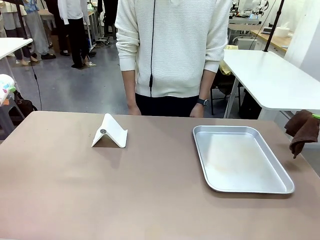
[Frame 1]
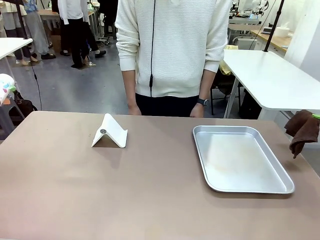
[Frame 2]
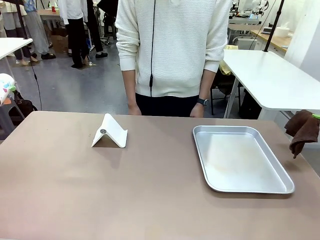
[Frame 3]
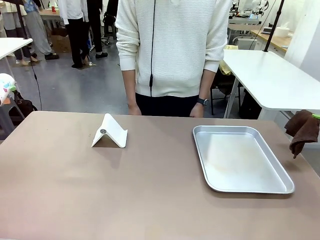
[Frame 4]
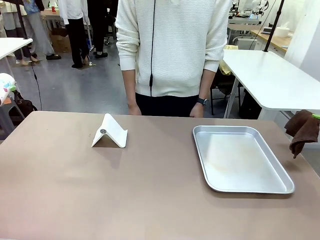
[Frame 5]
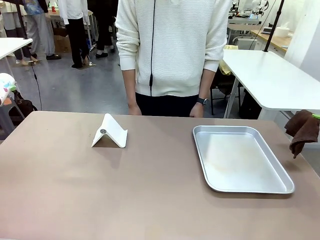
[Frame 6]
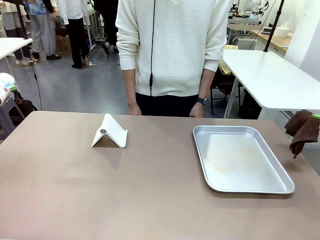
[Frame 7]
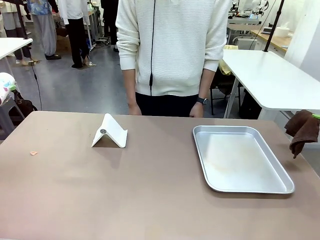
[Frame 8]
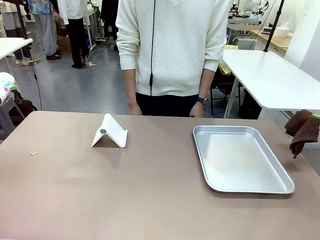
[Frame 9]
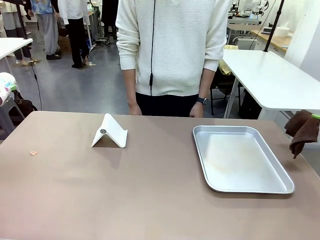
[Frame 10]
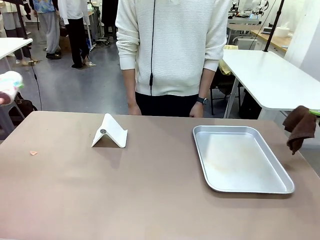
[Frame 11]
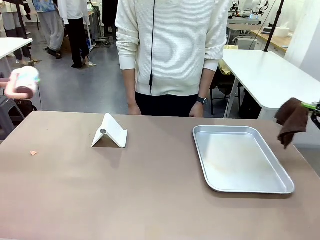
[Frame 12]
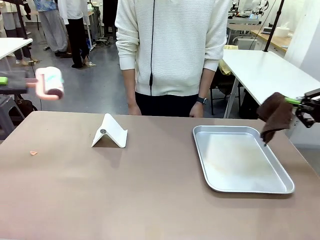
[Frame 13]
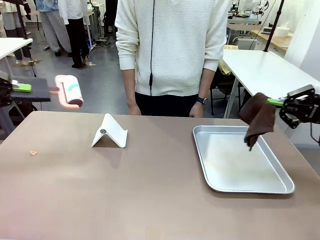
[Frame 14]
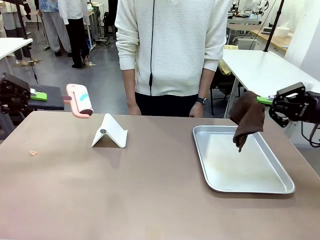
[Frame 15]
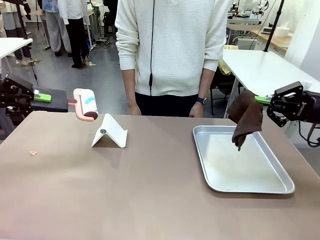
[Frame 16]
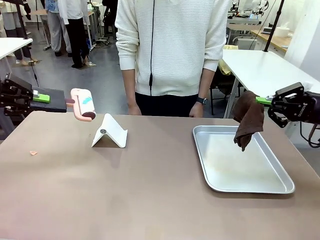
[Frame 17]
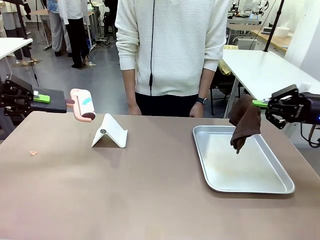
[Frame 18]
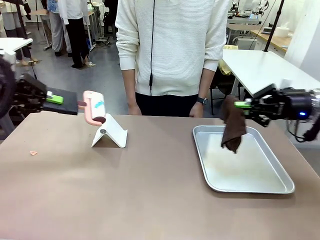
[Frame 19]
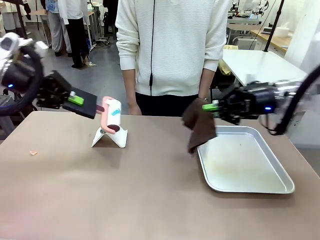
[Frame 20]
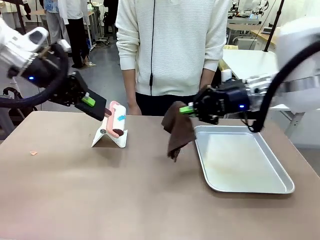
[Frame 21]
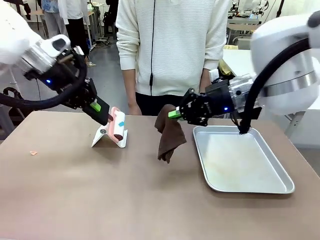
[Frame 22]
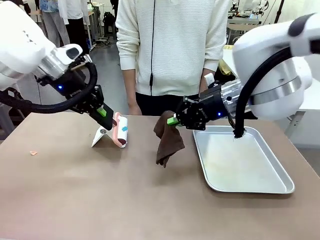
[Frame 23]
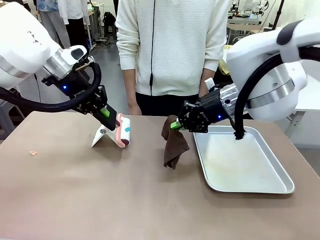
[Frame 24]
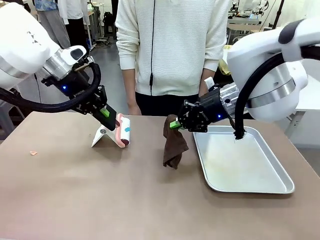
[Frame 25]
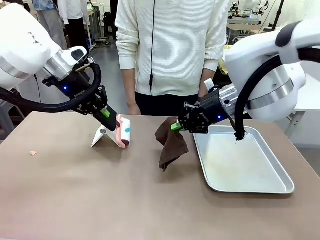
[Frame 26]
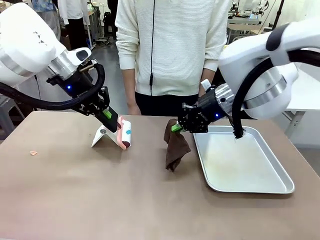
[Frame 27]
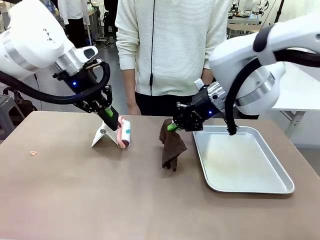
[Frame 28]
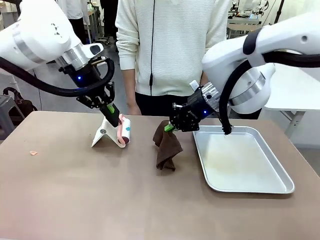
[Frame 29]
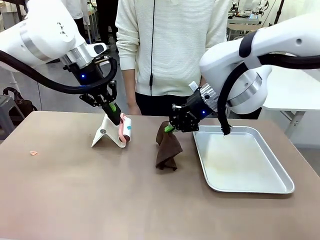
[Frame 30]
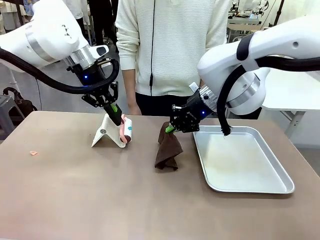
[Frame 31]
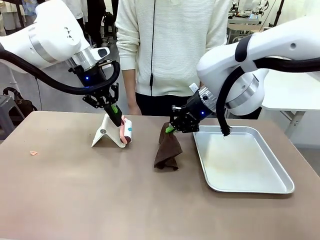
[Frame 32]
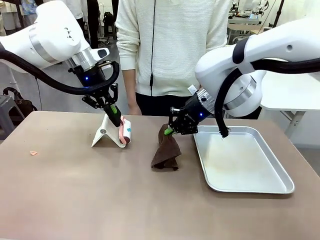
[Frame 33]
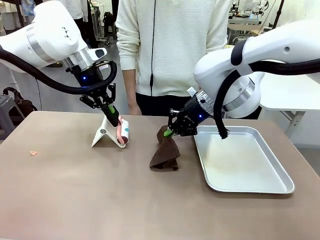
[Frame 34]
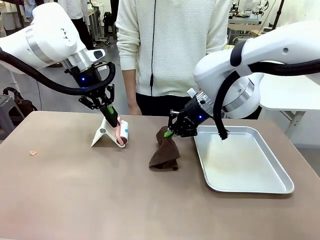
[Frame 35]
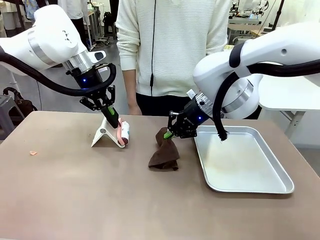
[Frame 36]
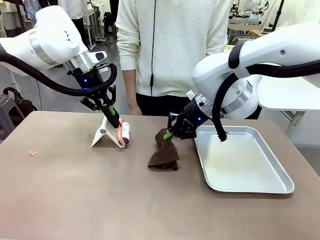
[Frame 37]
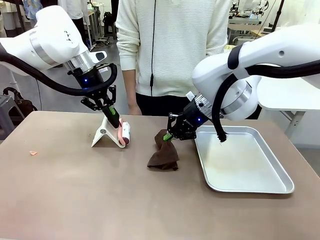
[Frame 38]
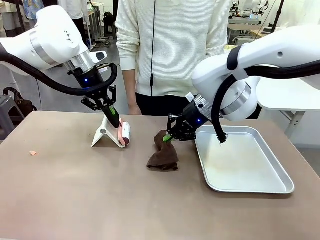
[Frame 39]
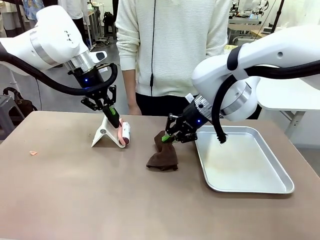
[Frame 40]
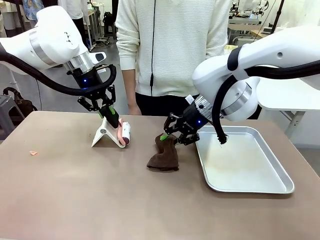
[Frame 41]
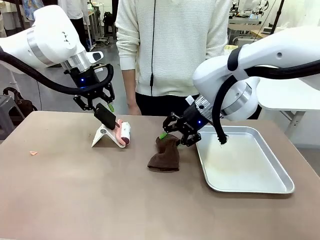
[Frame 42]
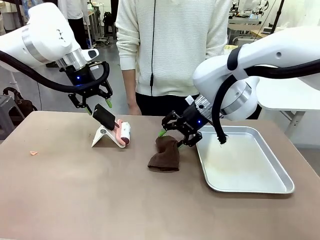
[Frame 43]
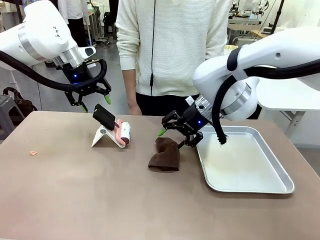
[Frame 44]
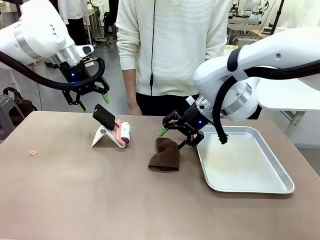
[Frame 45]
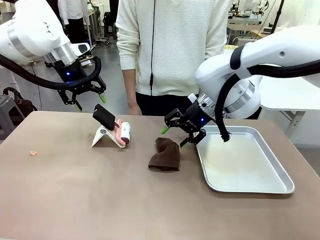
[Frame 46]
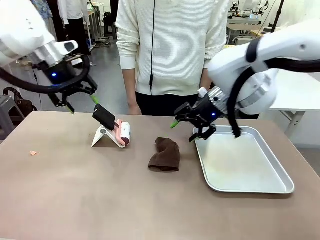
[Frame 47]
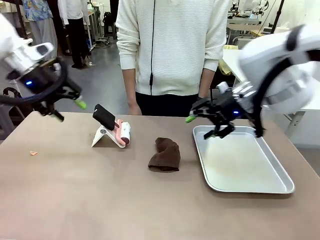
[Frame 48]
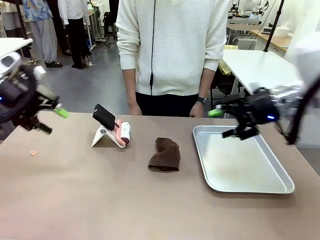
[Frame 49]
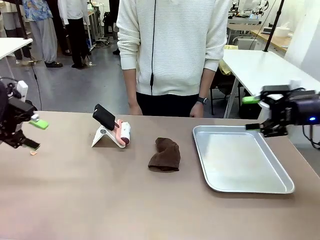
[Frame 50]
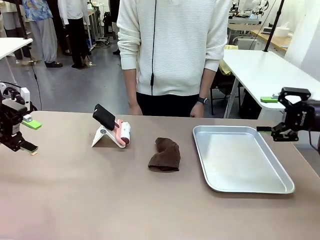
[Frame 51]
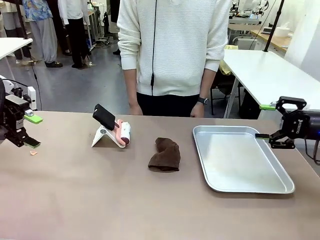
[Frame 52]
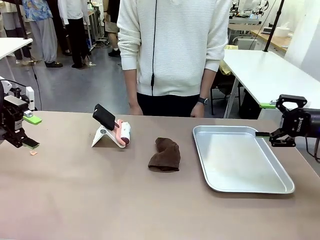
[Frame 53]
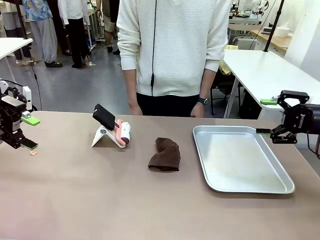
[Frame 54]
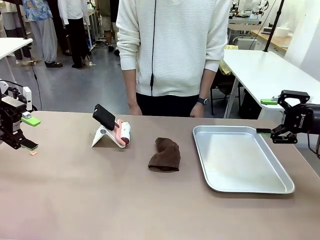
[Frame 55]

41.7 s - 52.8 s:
Task: Clean the surface of the table.
Robot: Return the Lint Roller and towel to their original positions.

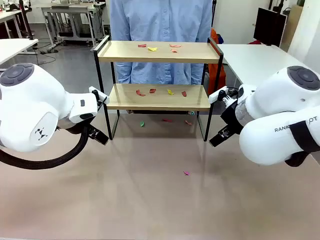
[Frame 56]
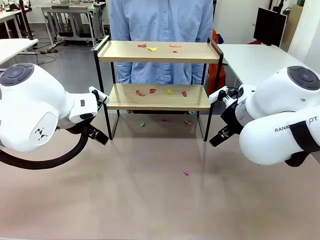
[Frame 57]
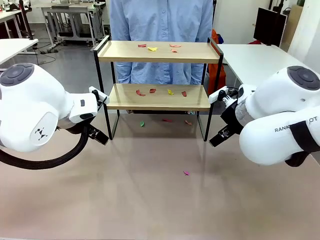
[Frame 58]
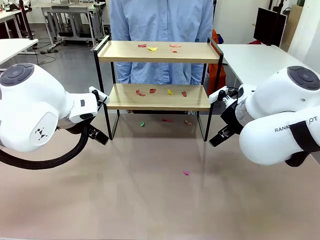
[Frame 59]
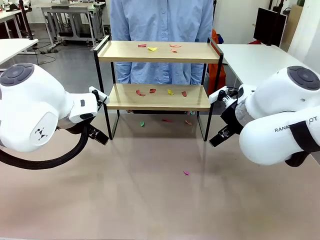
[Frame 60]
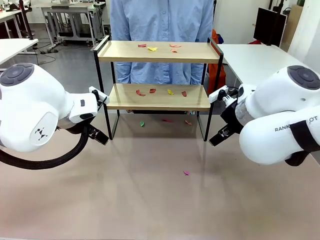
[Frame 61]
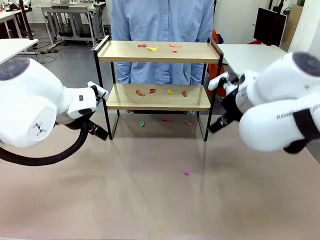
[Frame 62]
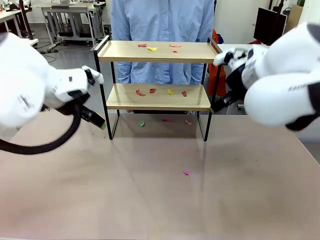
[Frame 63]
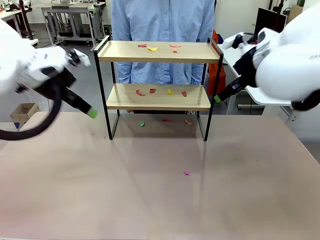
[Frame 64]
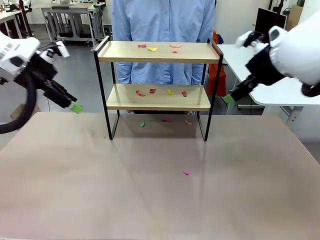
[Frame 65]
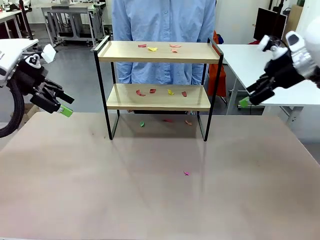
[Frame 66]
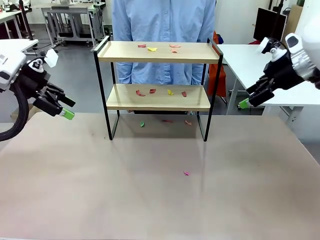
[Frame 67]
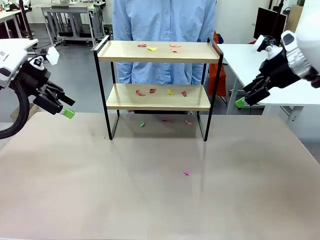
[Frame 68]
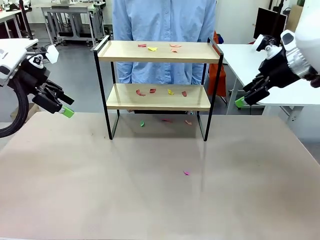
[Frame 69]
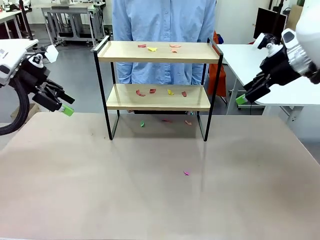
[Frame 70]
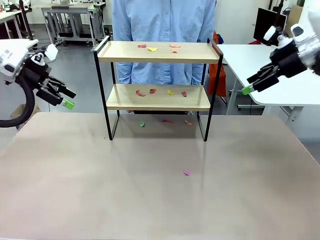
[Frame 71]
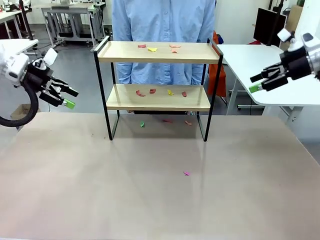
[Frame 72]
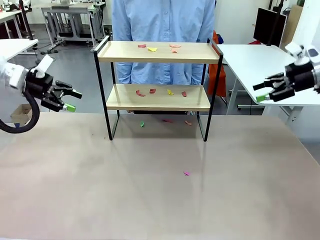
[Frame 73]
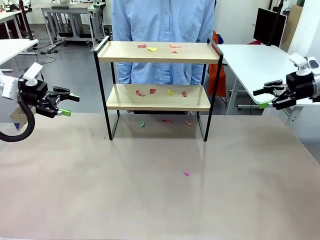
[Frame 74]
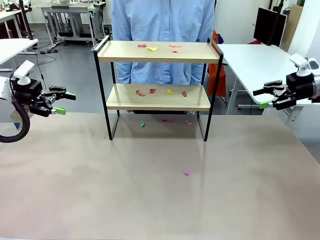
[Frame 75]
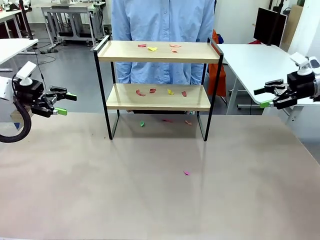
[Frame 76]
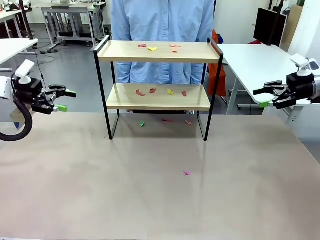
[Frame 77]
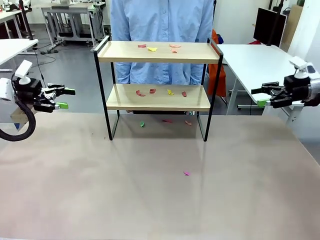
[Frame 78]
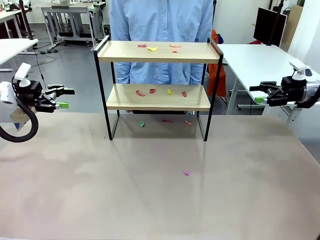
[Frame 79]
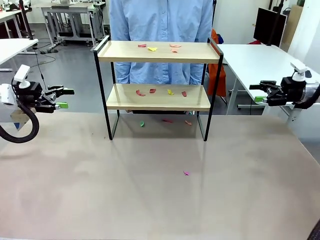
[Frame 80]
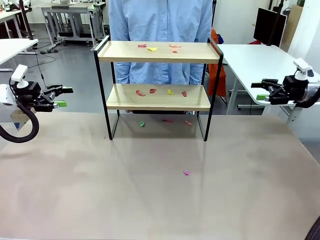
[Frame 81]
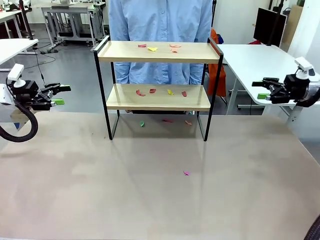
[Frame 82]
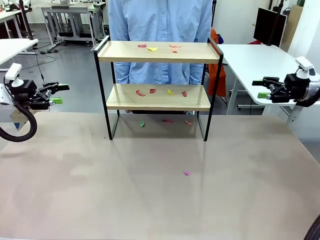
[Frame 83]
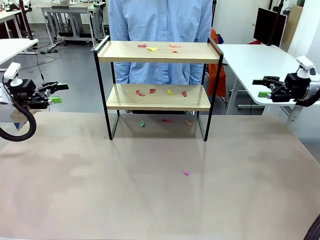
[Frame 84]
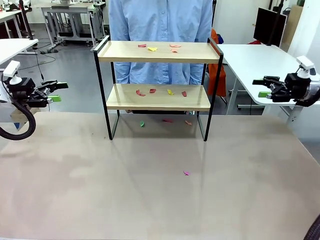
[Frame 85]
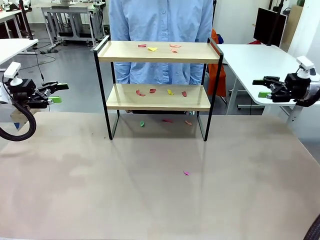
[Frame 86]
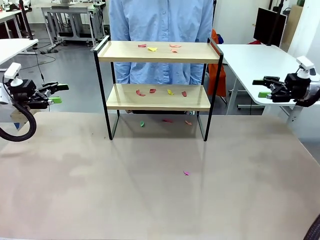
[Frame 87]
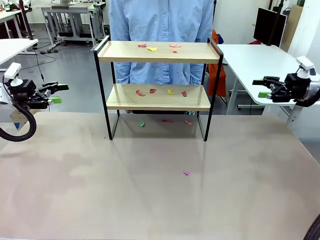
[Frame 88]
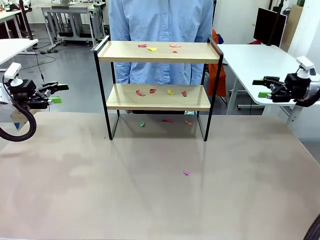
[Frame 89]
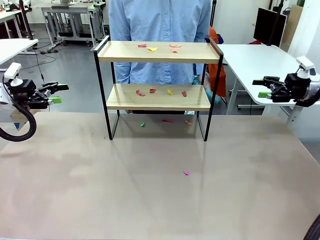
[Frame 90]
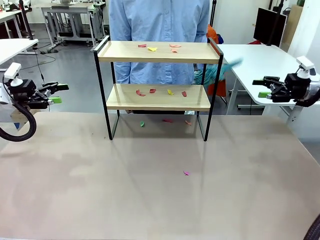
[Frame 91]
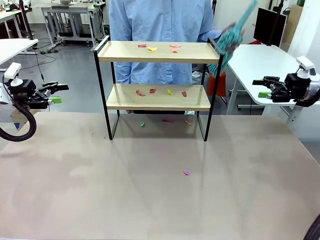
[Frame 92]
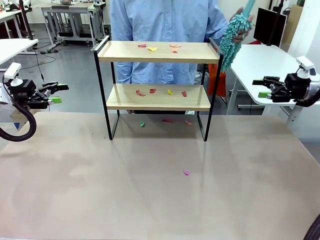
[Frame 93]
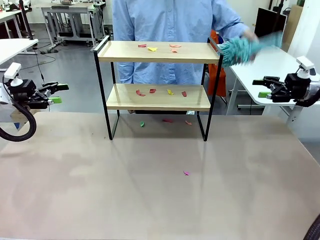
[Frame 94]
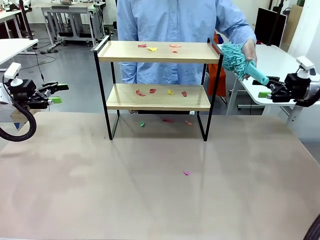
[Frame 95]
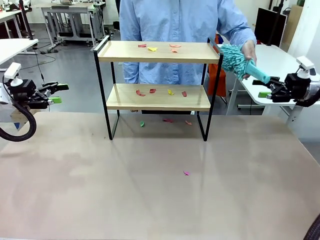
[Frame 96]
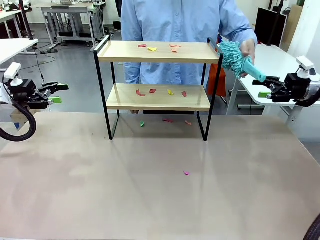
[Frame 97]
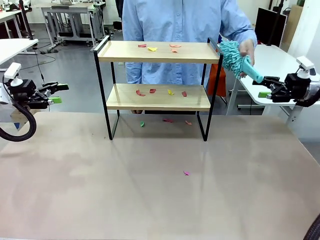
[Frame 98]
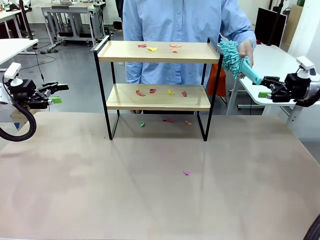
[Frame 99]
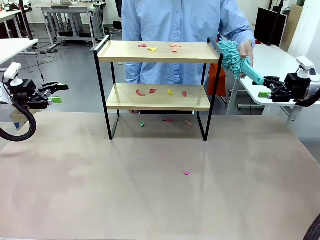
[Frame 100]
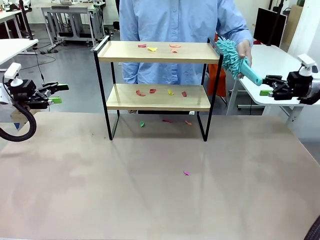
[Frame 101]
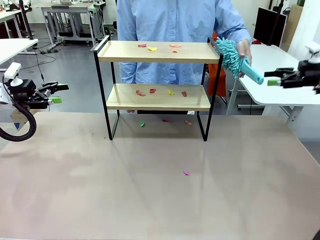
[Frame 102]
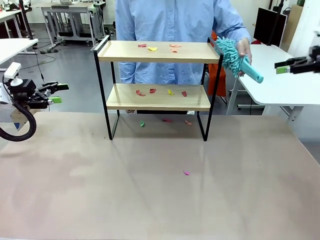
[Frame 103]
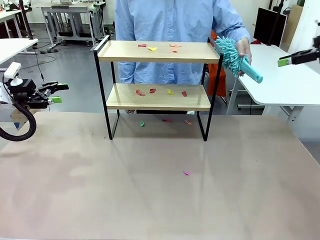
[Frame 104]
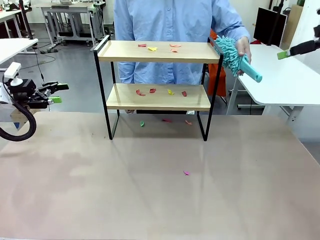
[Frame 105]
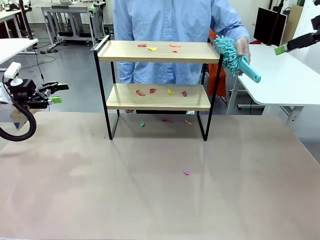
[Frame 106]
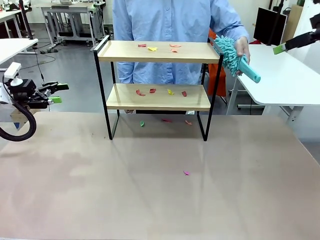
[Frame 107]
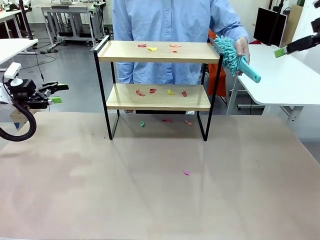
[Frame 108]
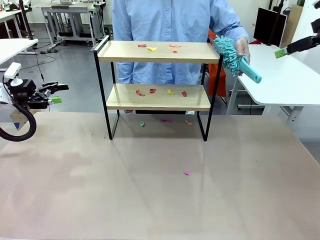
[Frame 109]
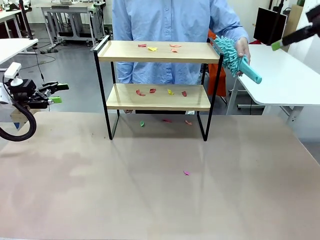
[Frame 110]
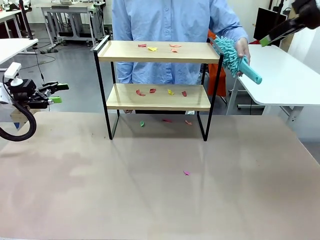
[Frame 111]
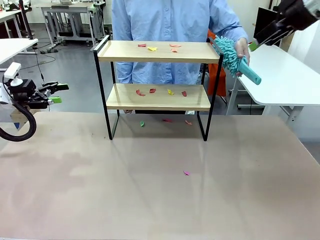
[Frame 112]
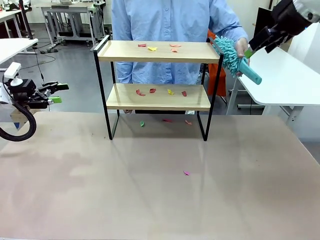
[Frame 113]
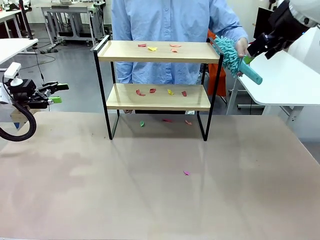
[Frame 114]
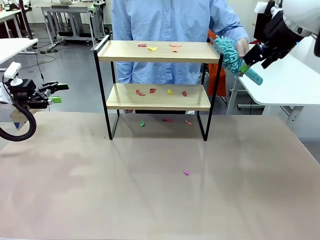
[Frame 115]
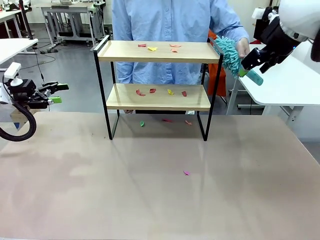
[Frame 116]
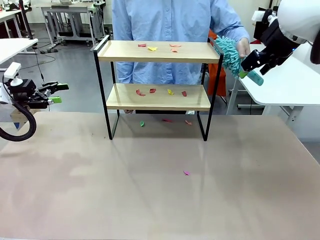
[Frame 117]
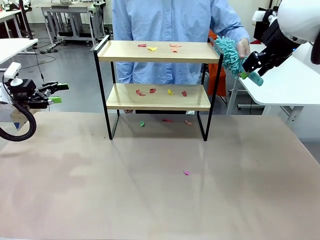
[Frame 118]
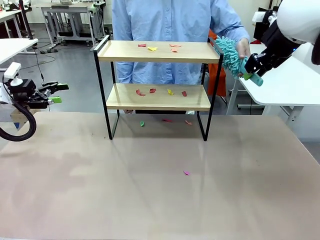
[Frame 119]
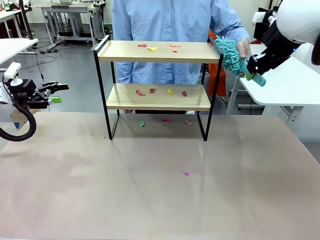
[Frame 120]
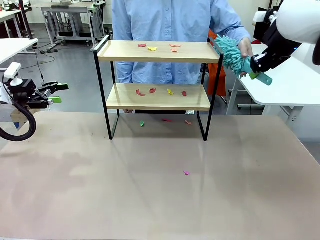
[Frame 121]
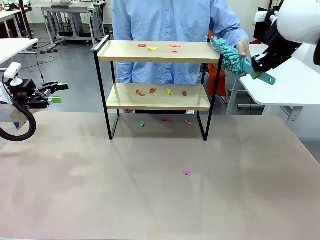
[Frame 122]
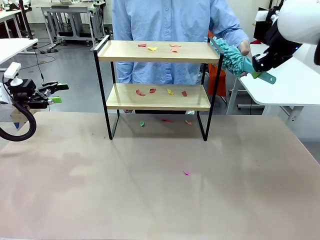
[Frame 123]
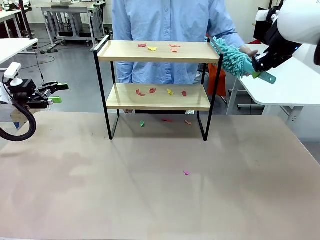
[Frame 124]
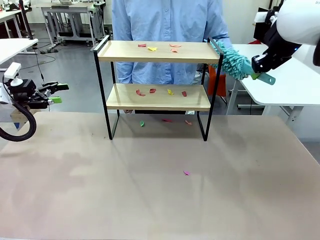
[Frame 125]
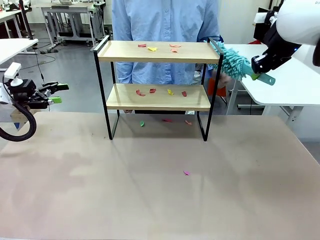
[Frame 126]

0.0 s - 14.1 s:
Task: Clean the shelf.
Robot: Pick up the Duster handed by the human.
Person: Hand the Duster to the robot.
